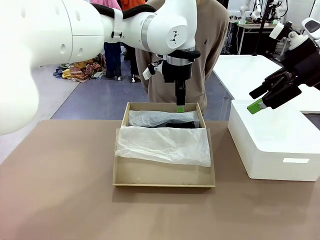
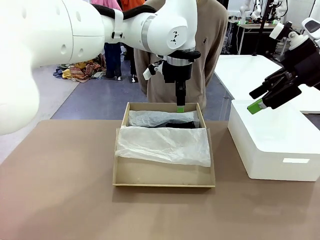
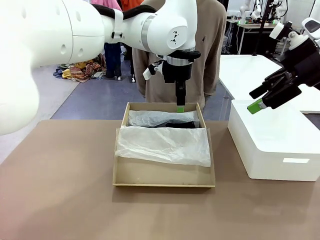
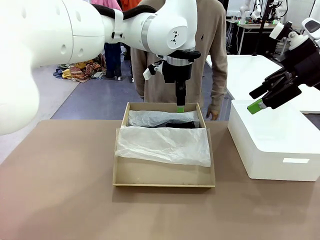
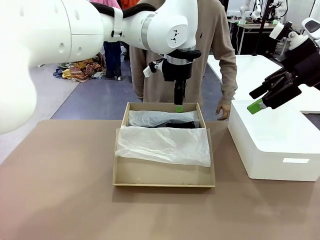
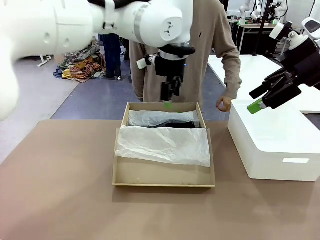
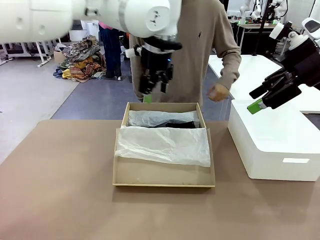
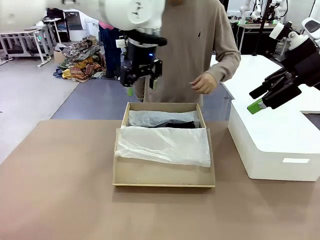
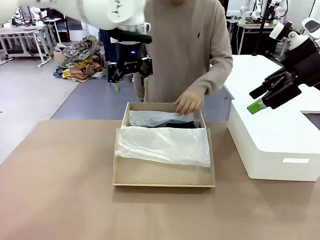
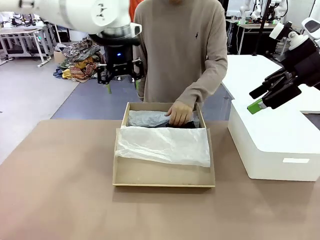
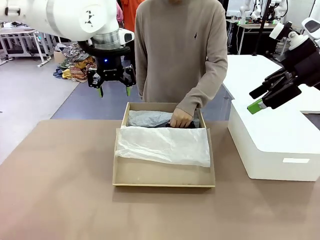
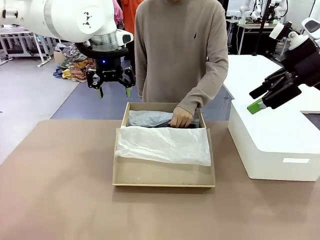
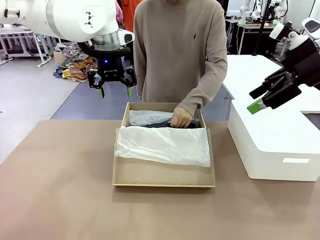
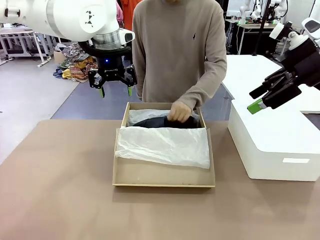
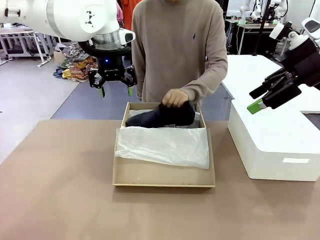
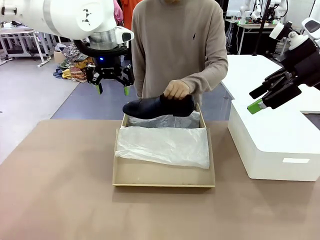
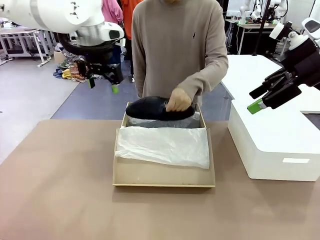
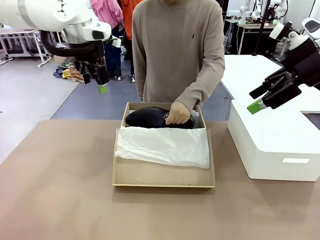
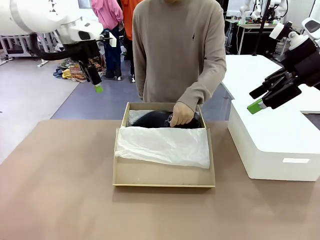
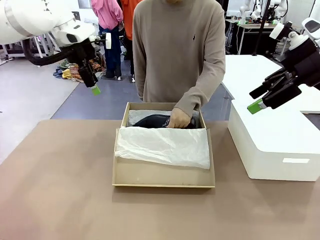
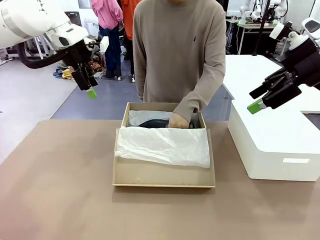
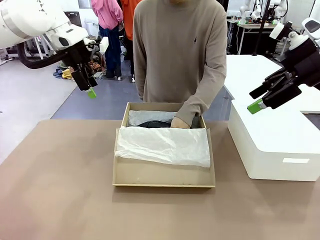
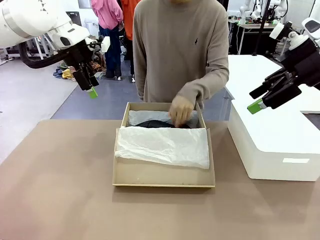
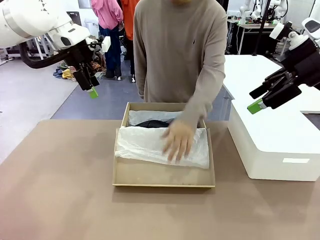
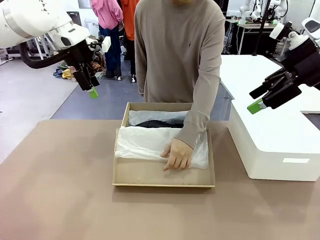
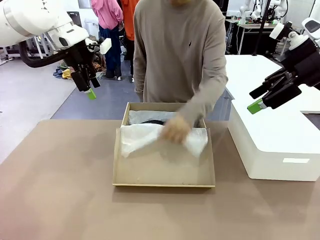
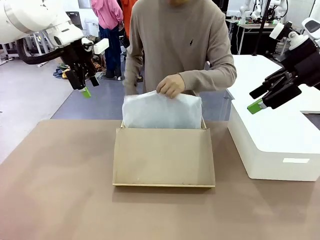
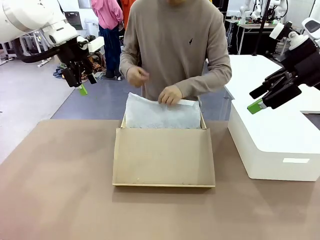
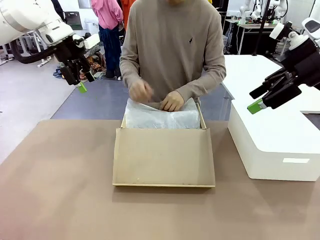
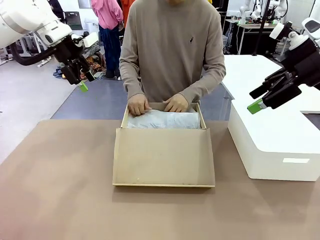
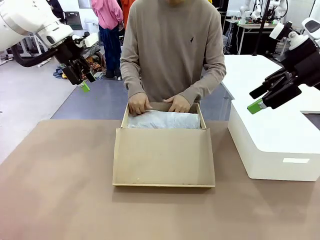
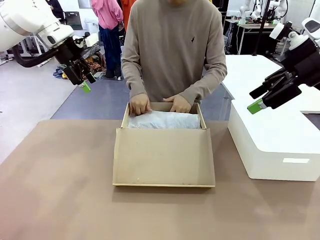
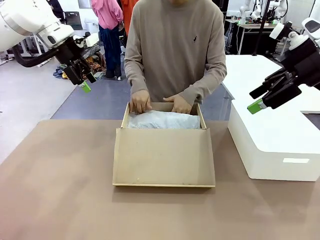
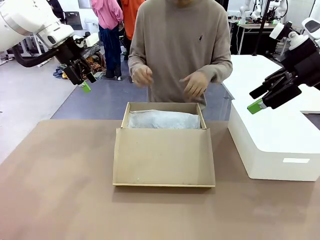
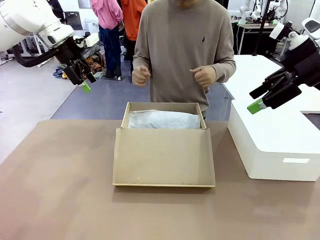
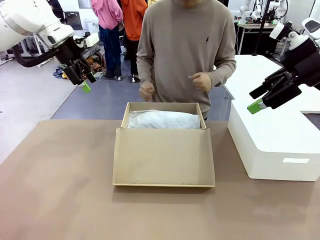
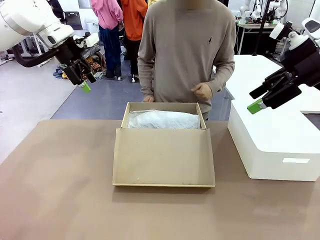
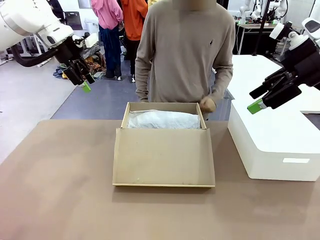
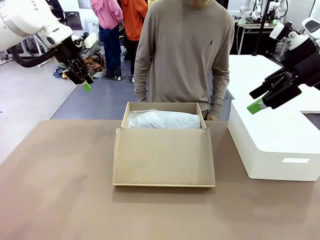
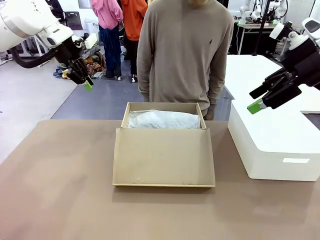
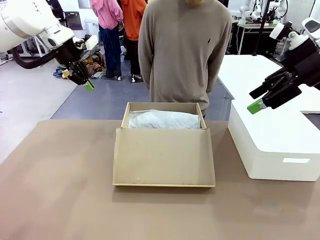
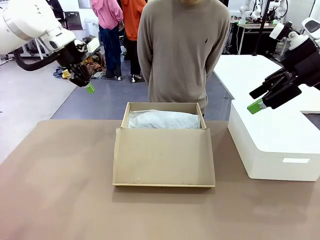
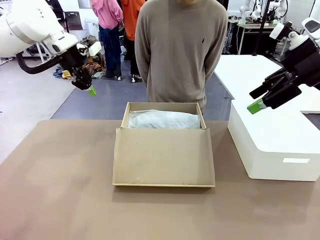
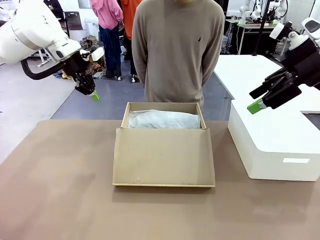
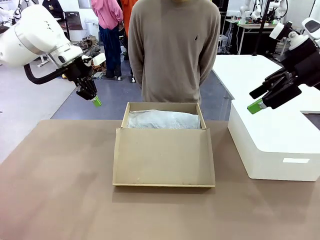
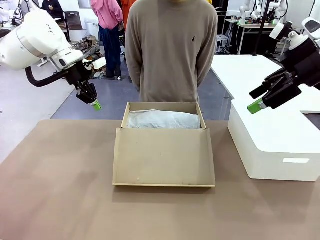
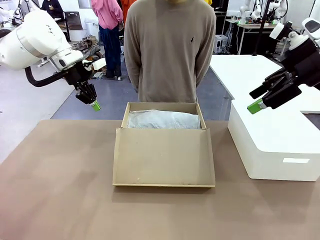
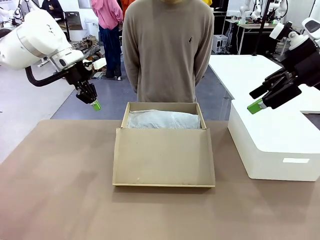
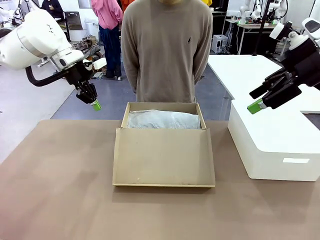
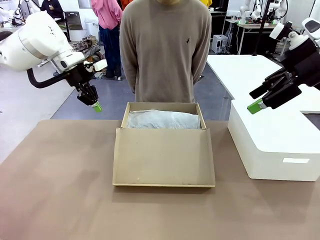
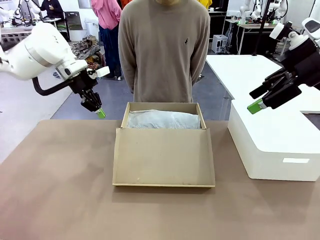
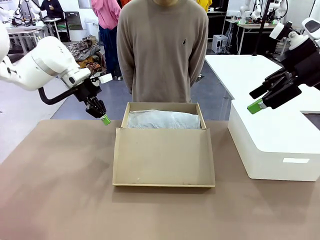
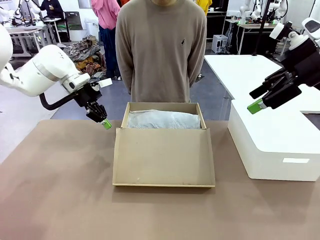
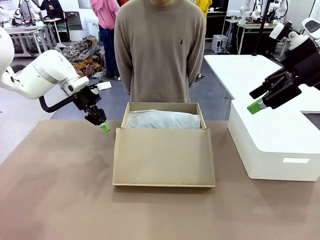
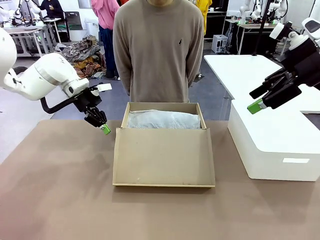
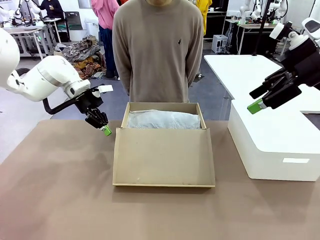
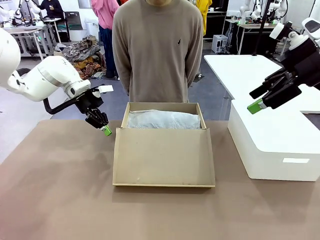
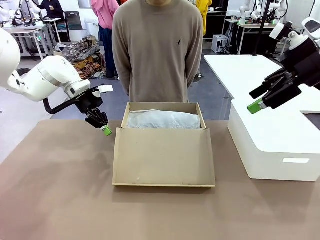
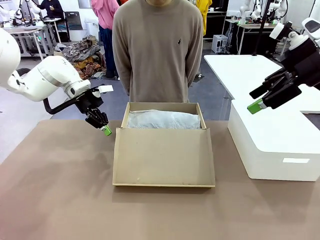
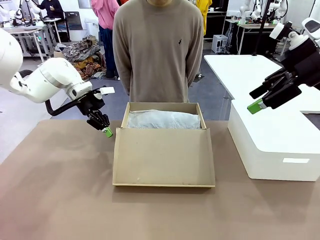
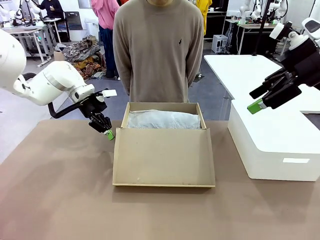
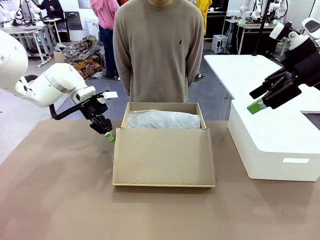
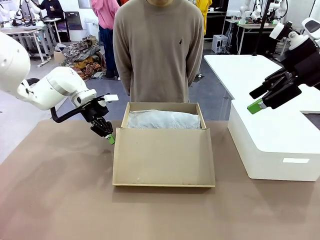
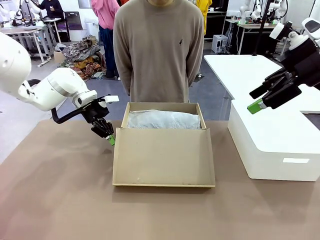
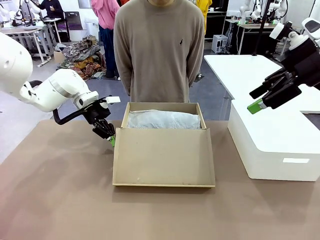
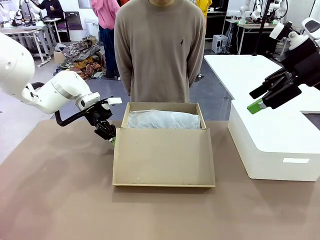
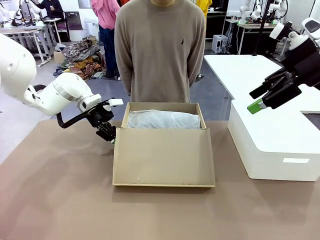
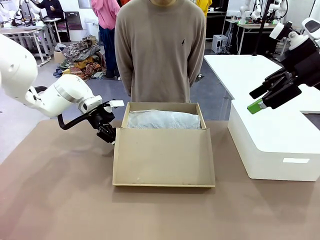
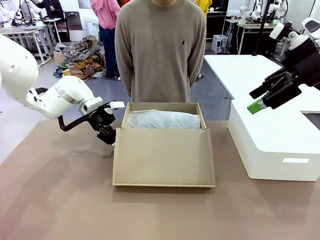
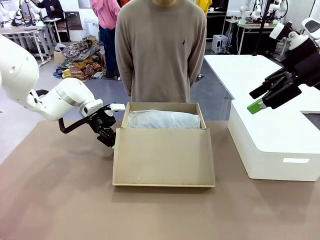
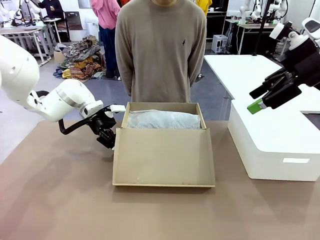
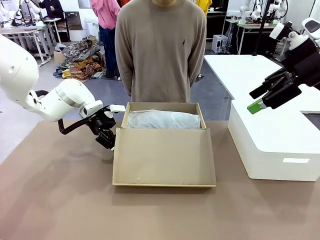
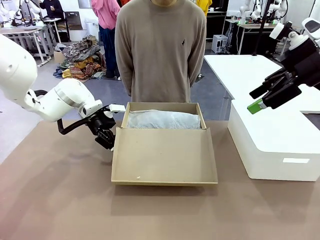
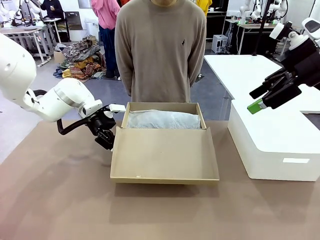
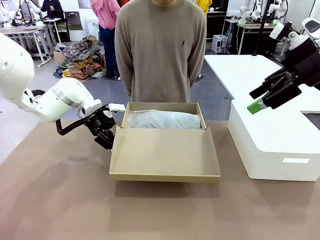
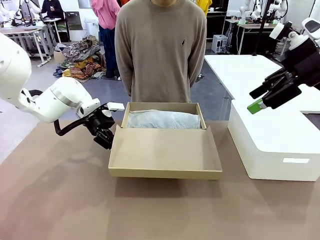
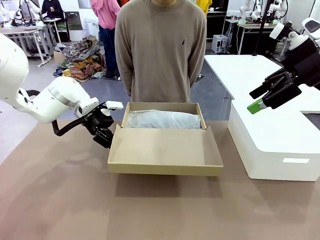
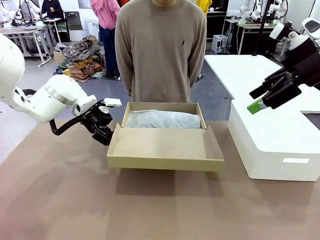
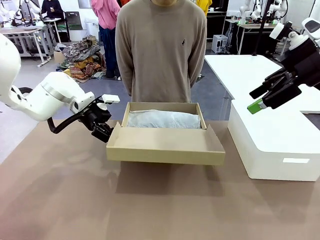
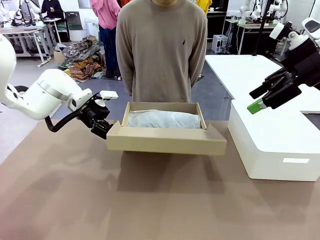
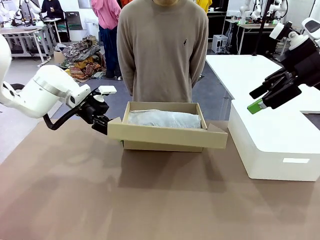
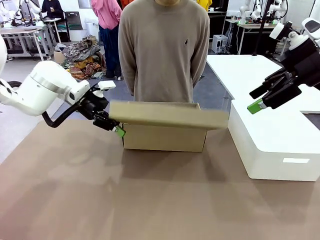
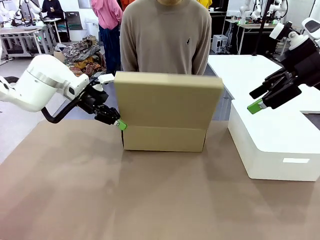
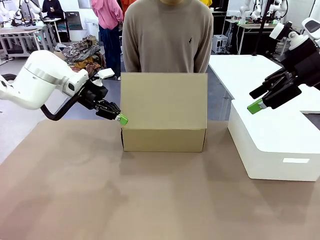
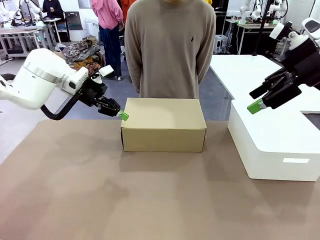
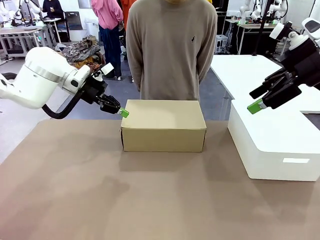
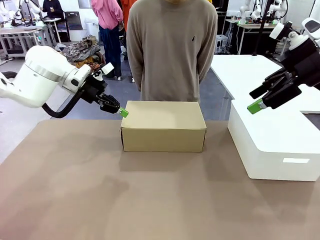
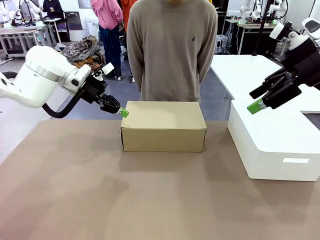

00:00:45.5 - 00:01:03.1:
Task: Pack the shoes into the box.
Robot: Close the Shoes Box.

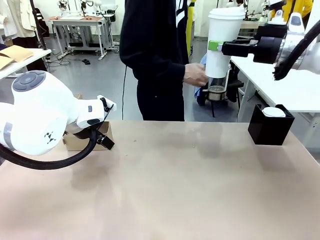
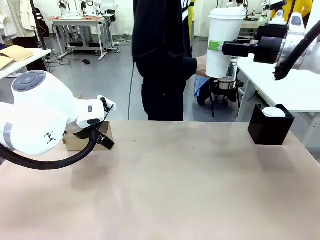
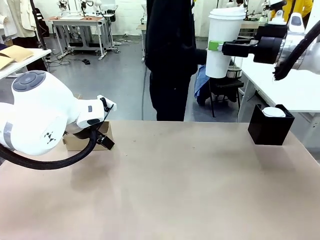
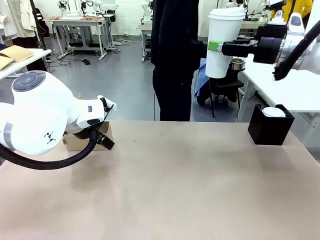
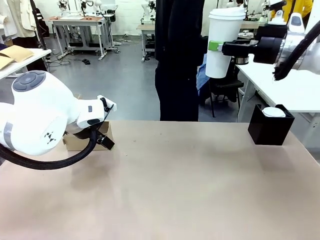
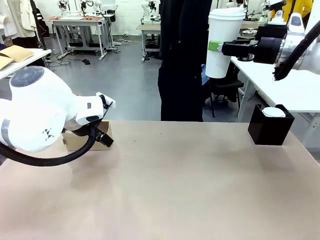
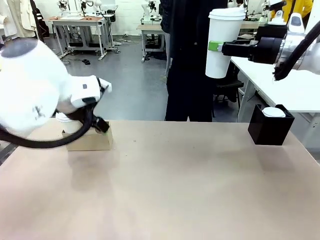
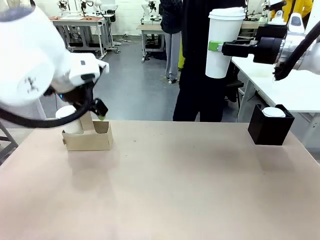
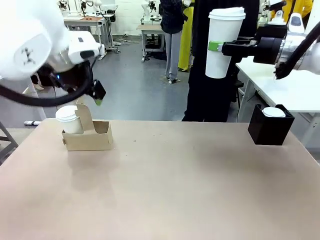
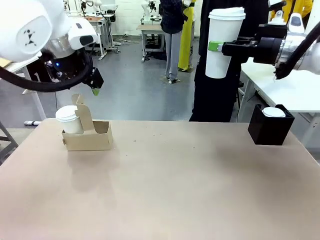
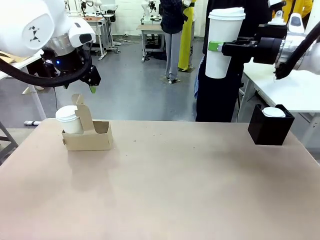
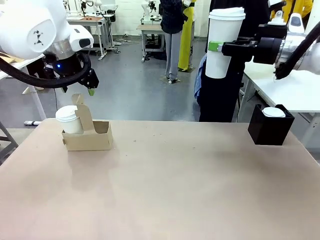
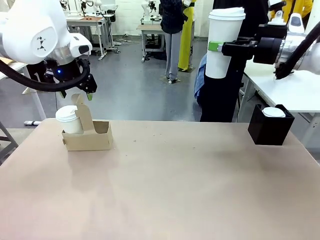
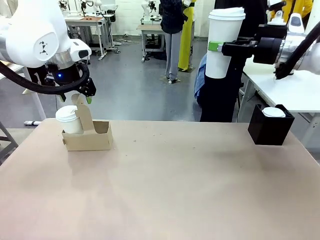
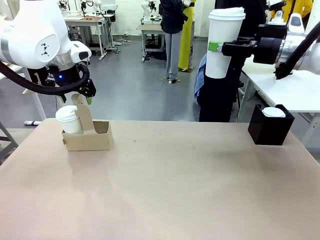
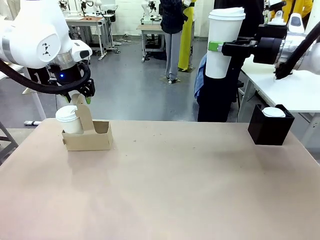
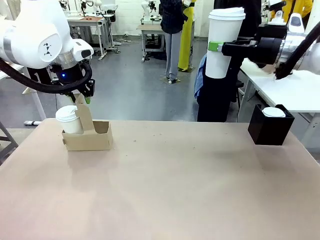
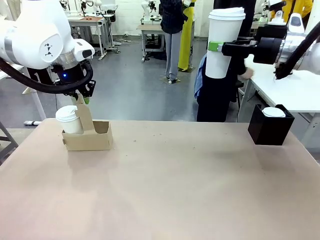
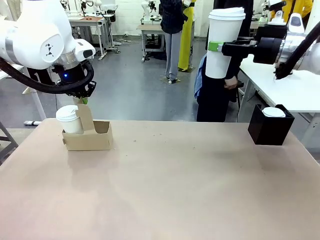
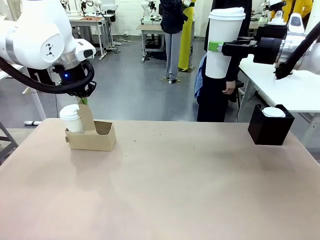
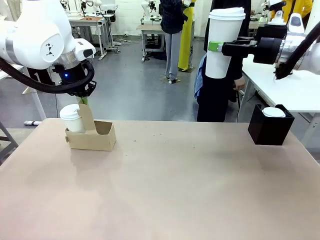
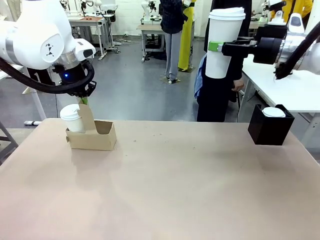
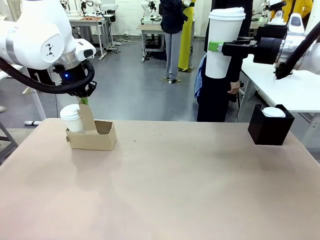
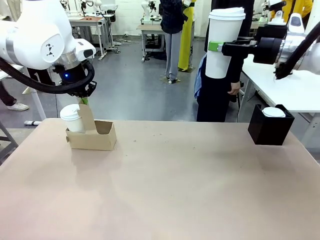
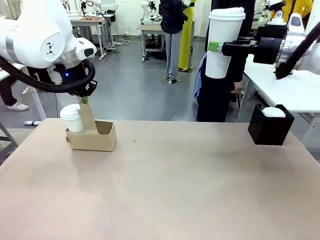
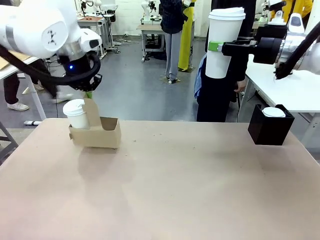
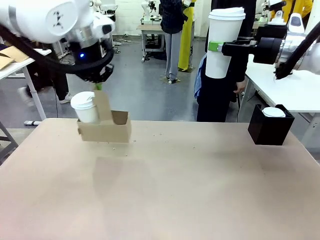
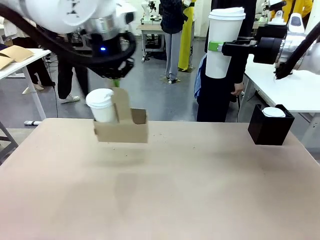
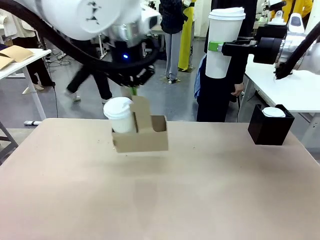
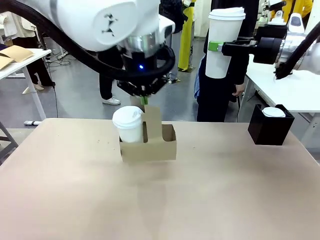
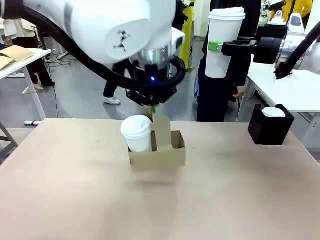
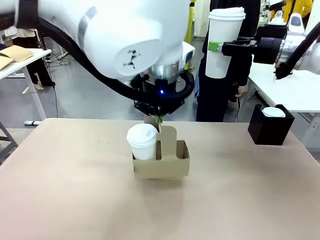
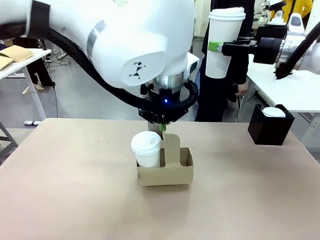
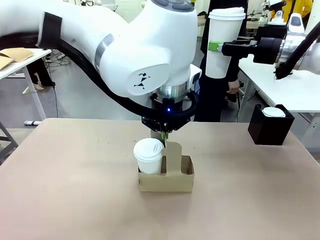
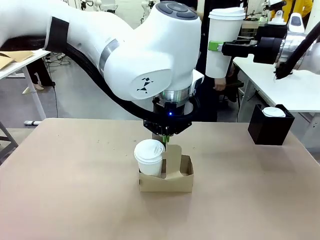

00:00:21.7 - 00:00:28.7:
Task: Pour a drink into a cup and package it in a carrier.
Robot: Position the Cup Carrier in the center of the table.
